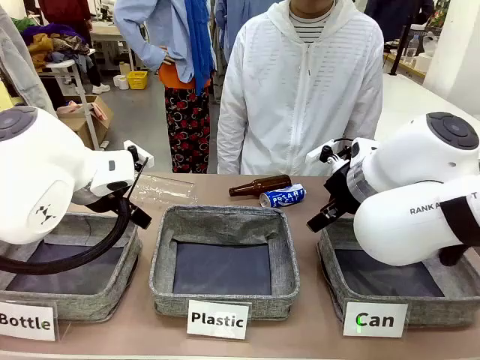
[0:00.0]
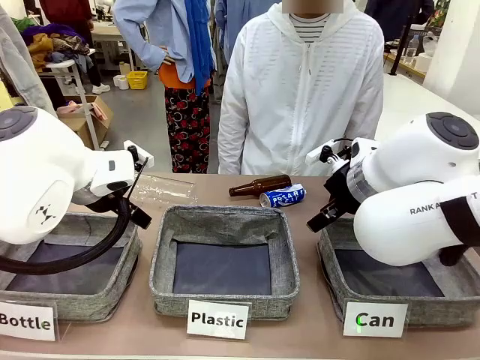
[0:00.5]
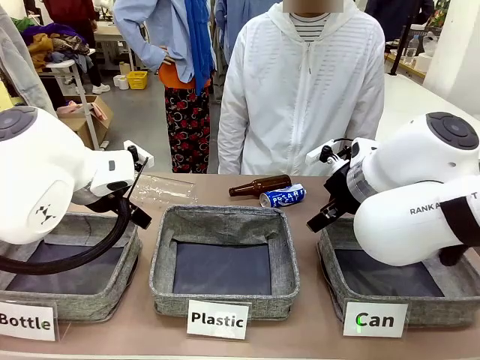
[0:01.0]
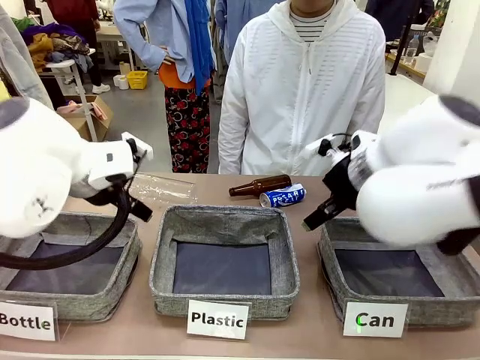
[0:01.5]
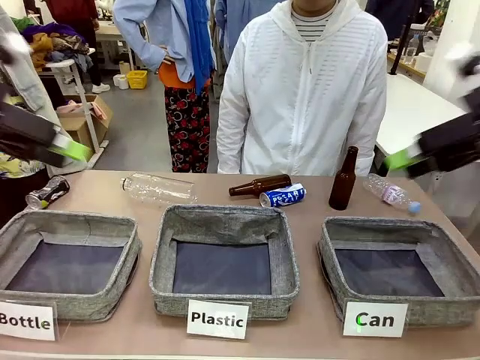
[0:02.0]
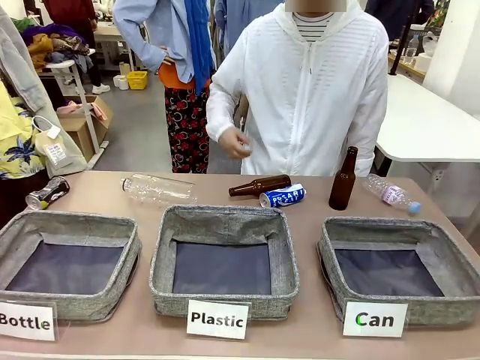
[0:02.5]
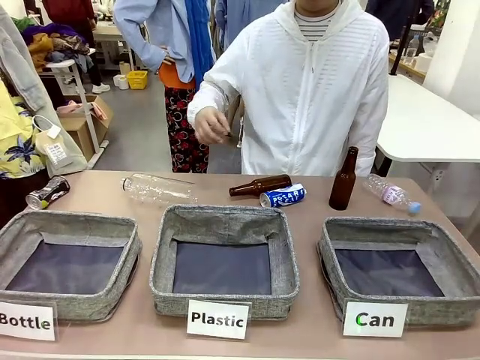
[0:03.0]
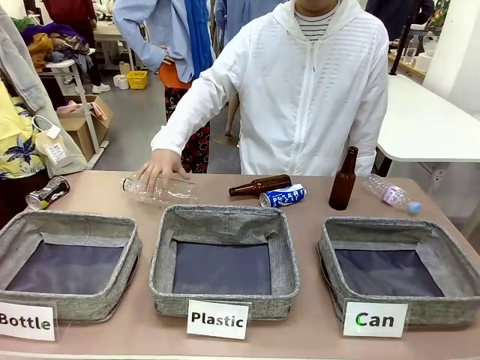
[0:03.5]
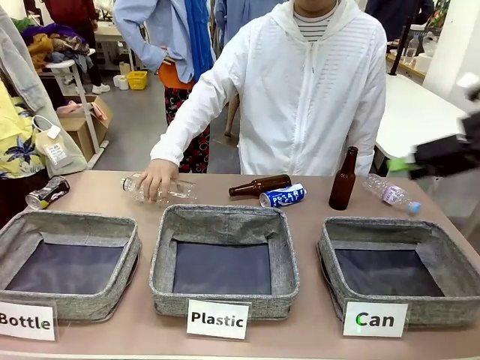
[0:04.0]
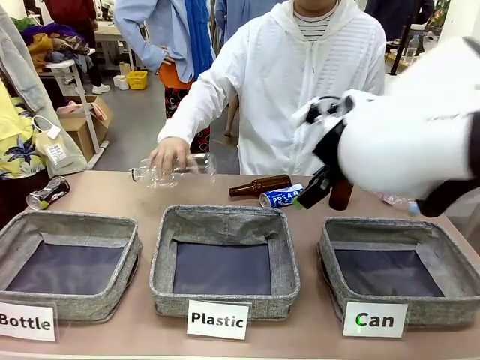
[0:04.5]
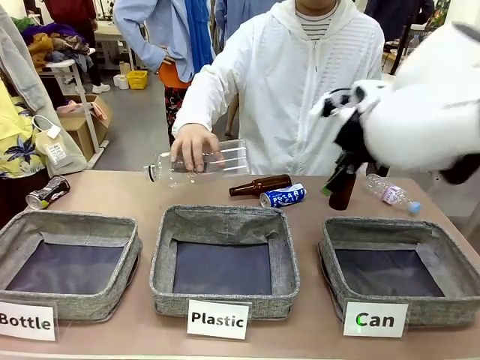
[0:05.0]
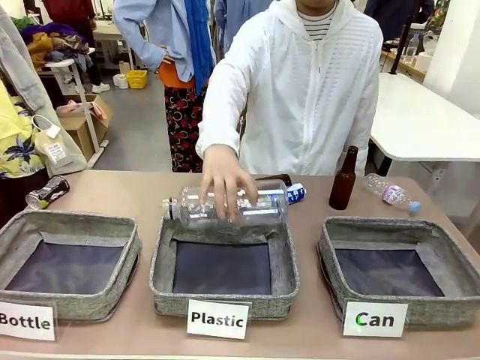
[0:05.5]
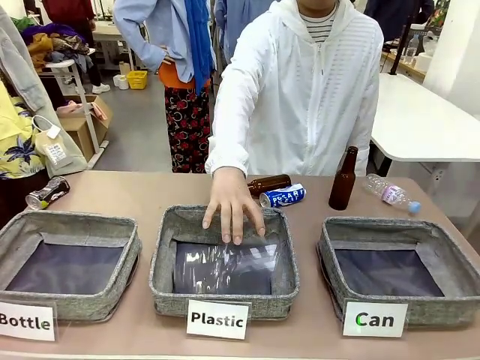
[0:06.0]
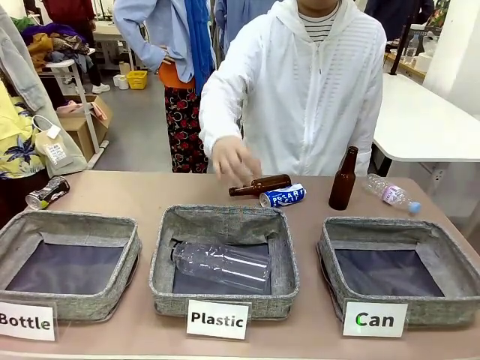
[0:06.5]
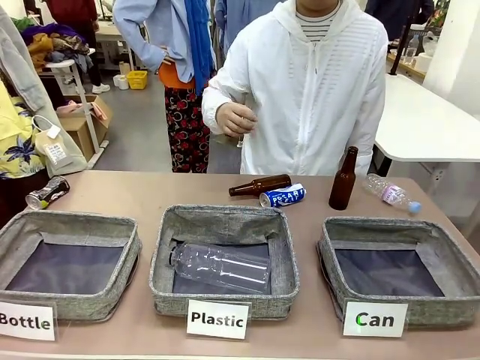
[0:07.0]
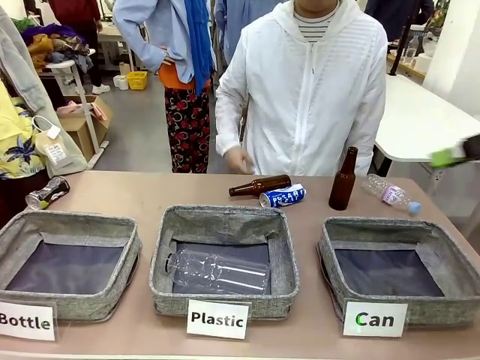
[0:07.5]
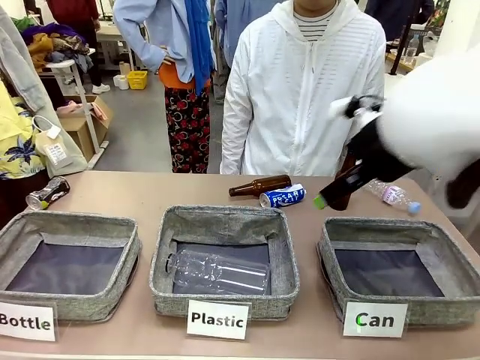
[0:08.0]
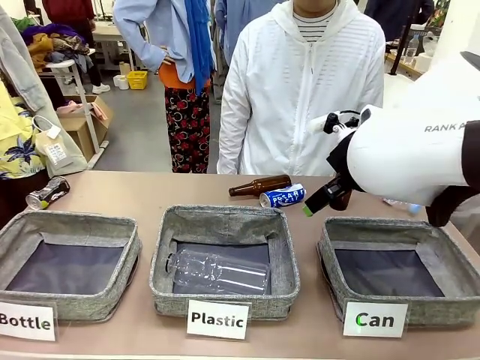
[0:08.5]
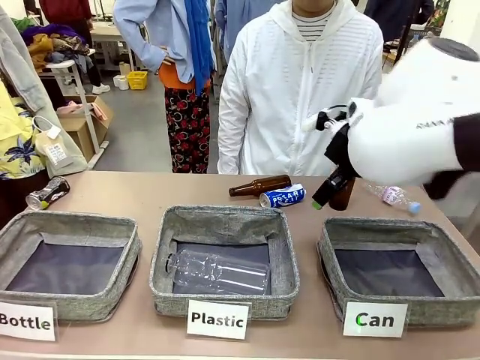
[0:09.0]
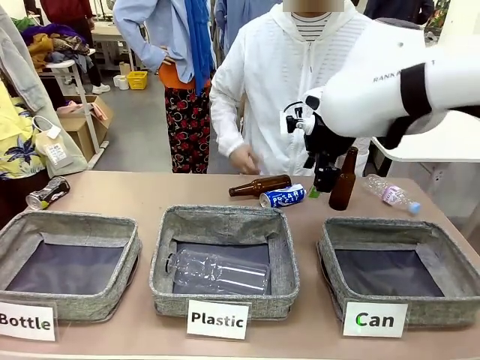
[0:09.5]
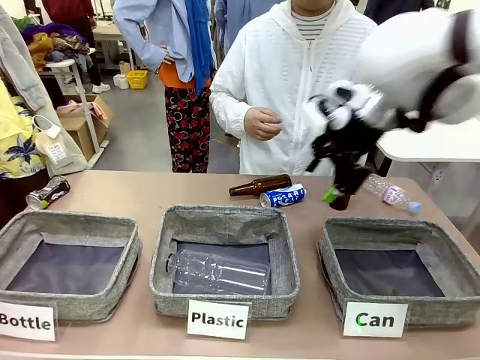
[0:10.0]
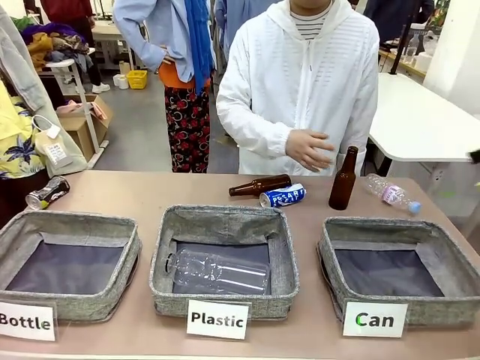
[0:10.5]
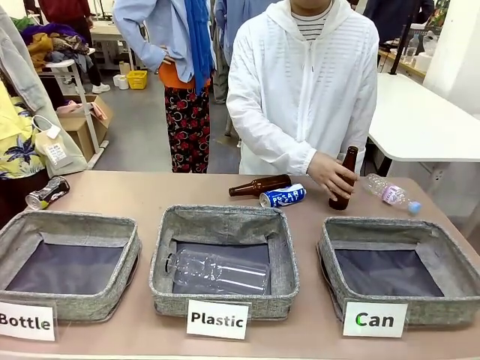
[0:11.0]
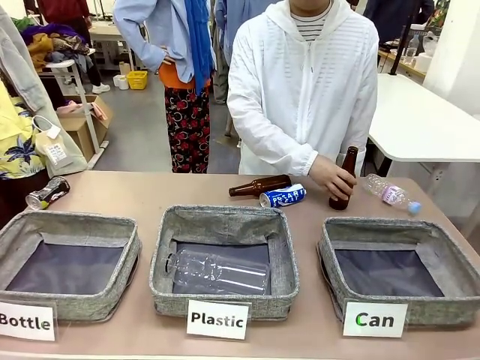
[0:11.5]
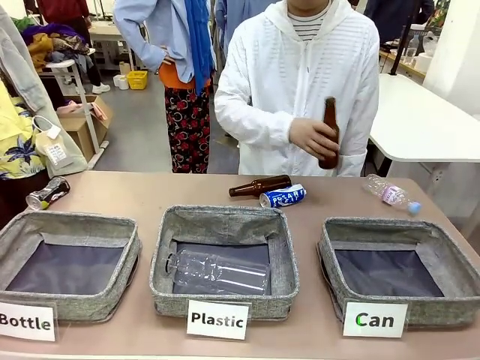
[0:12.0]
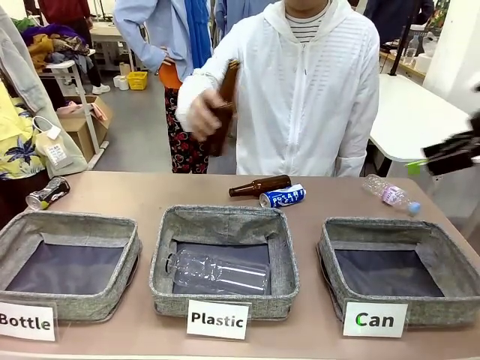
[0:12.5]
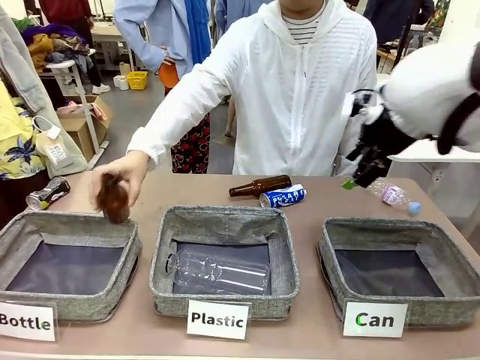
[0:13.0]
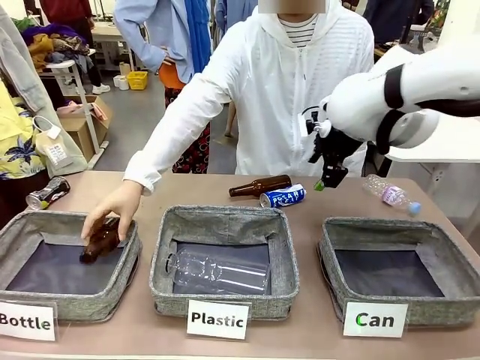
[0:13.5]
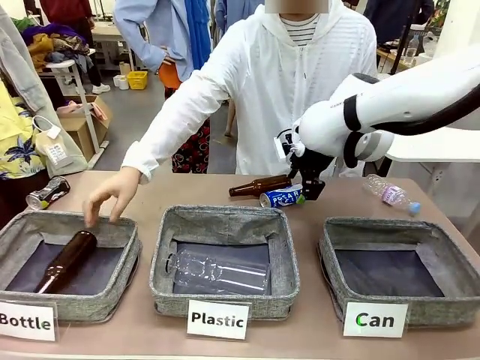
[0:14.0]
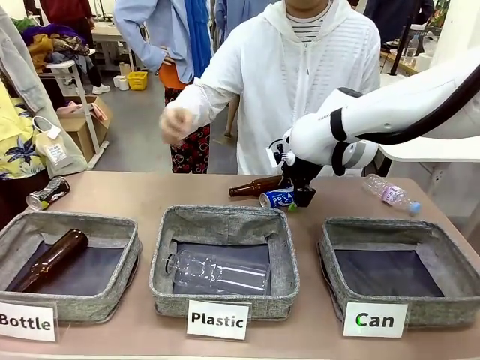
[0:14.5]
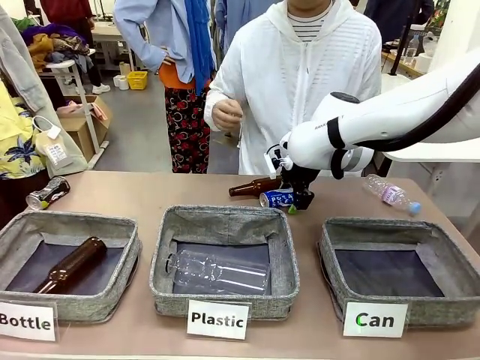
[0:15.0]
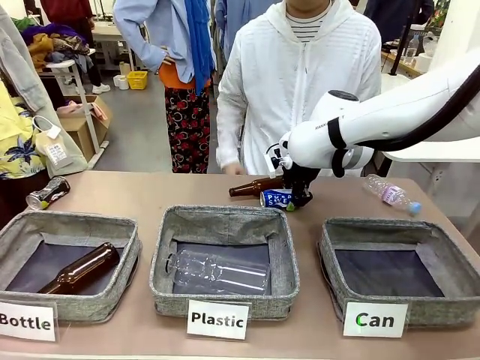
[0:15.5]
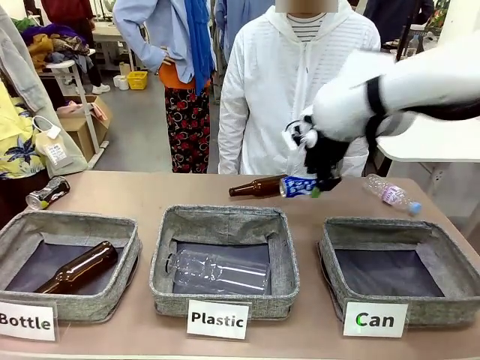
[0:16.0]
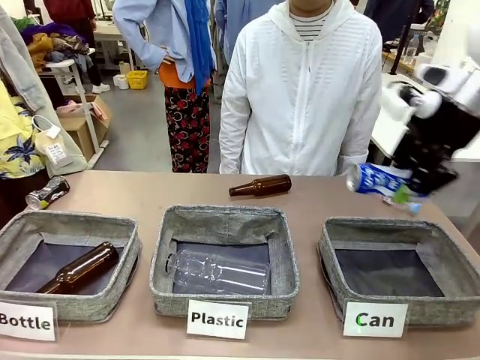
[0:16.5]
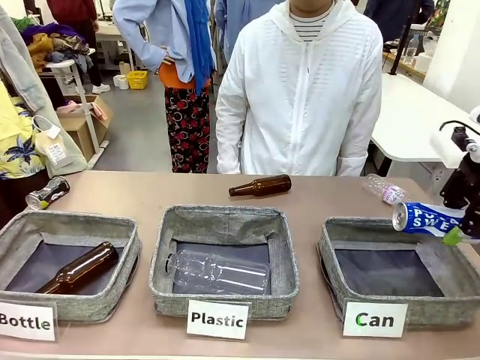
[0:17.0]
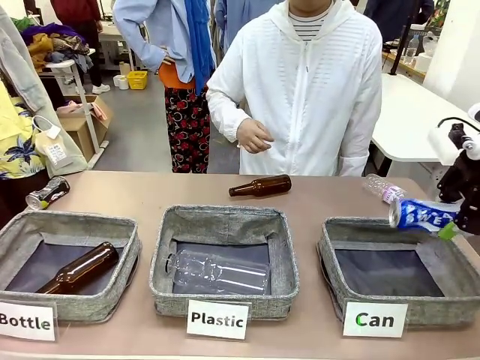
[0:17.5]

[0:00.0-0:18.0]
Task: Sort the can waste into the basket.
Robot: Pick up the can waste from the table and place it in the right Fabric basket.
